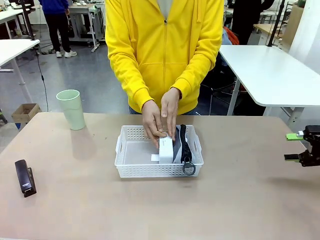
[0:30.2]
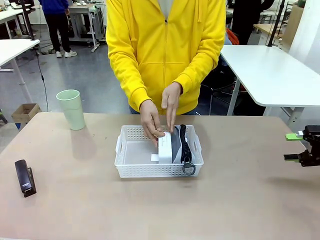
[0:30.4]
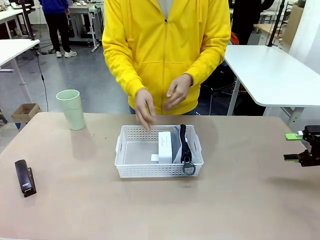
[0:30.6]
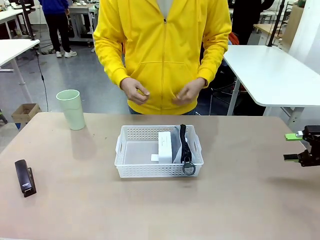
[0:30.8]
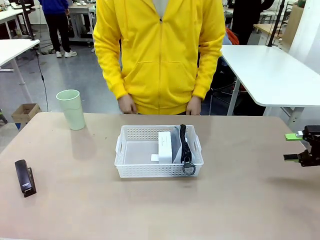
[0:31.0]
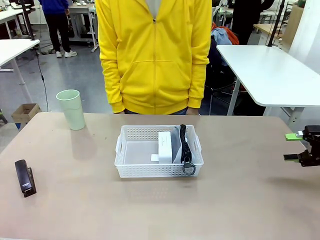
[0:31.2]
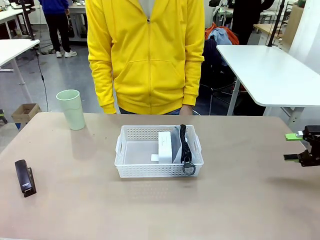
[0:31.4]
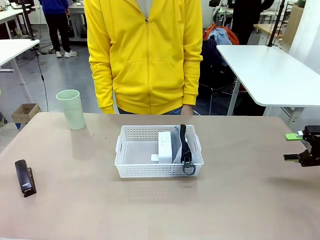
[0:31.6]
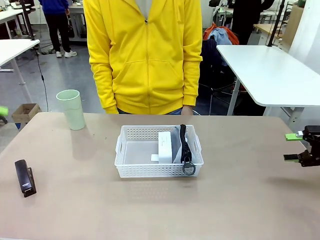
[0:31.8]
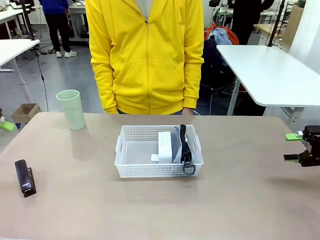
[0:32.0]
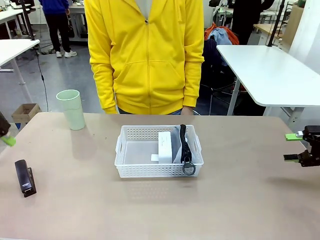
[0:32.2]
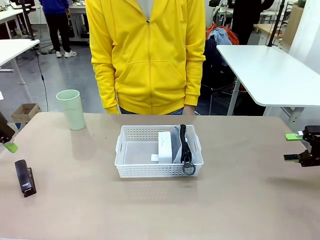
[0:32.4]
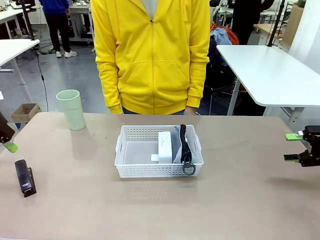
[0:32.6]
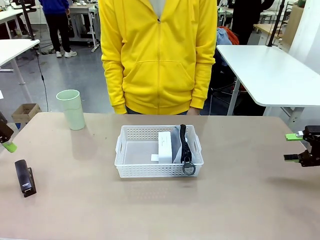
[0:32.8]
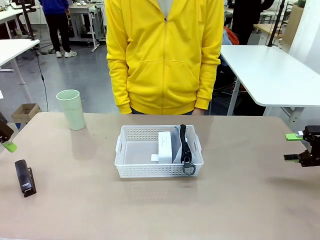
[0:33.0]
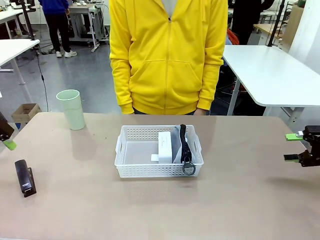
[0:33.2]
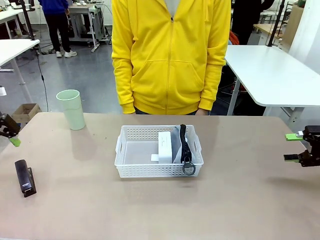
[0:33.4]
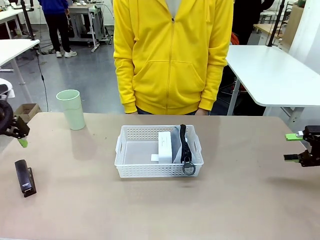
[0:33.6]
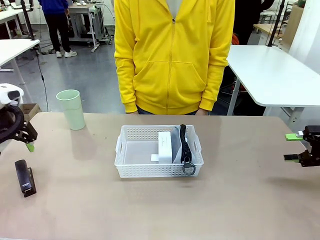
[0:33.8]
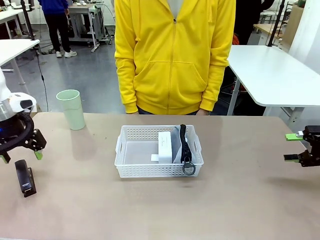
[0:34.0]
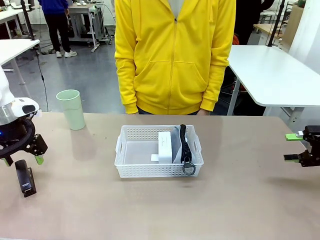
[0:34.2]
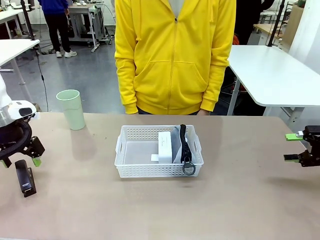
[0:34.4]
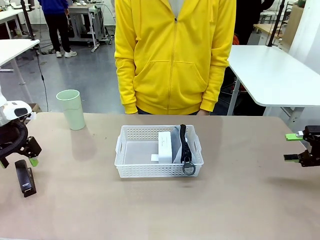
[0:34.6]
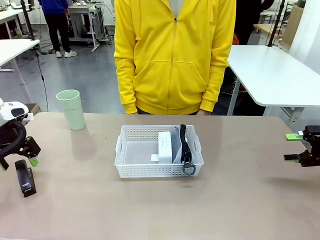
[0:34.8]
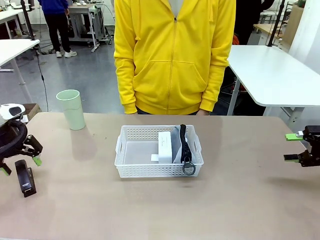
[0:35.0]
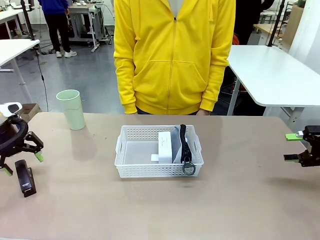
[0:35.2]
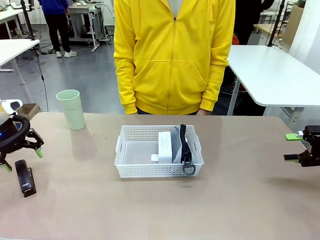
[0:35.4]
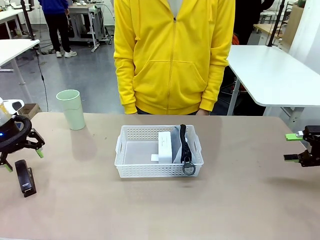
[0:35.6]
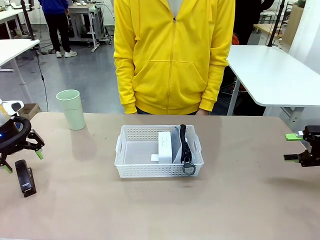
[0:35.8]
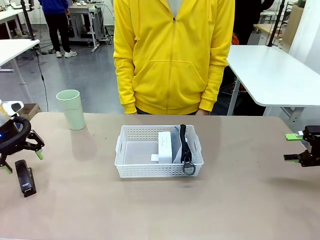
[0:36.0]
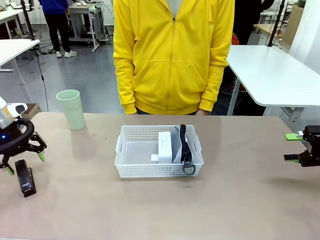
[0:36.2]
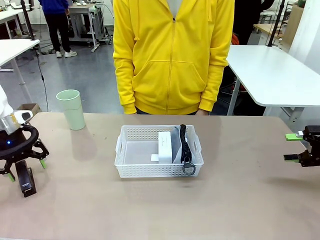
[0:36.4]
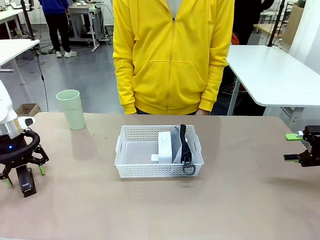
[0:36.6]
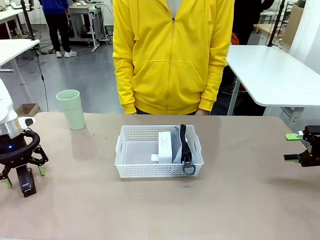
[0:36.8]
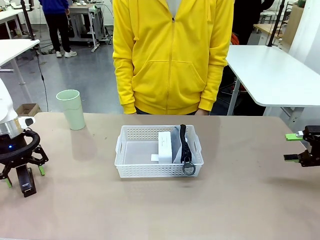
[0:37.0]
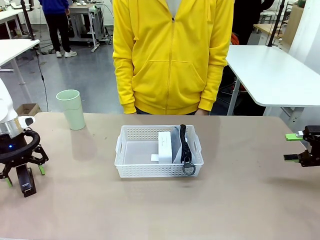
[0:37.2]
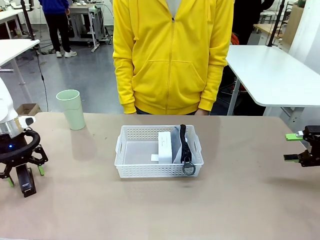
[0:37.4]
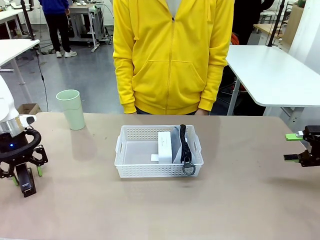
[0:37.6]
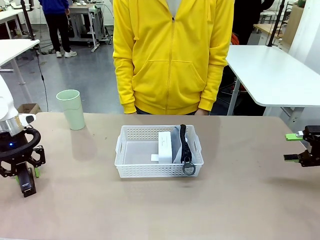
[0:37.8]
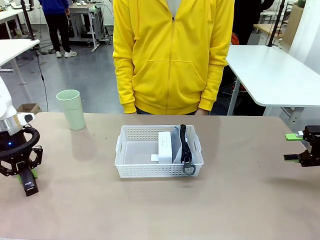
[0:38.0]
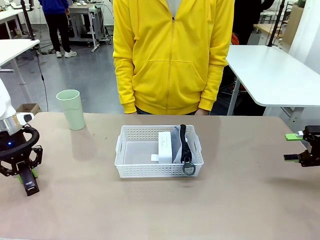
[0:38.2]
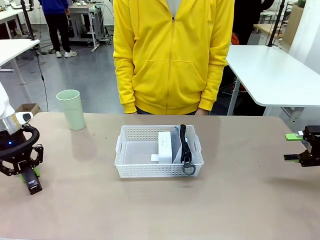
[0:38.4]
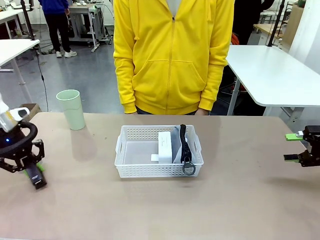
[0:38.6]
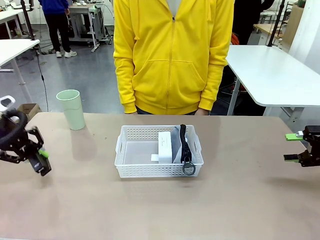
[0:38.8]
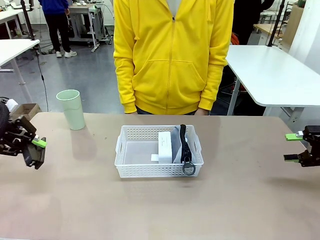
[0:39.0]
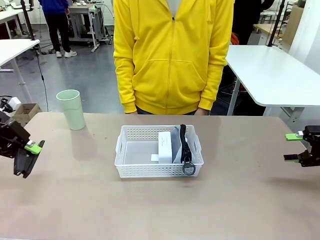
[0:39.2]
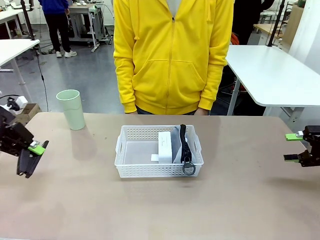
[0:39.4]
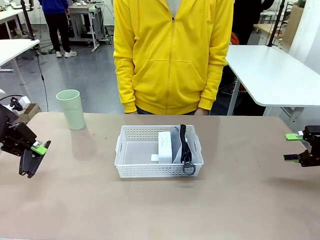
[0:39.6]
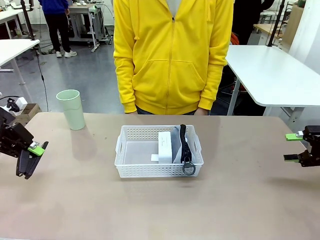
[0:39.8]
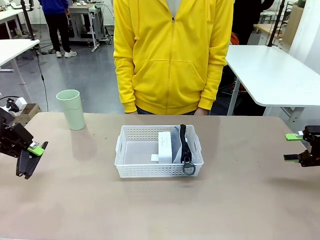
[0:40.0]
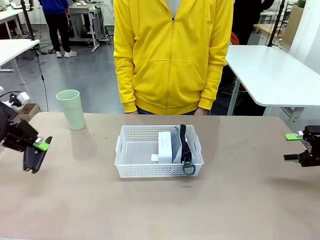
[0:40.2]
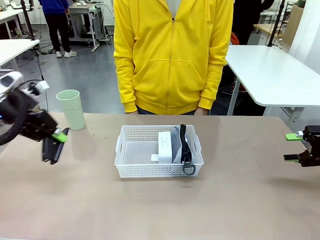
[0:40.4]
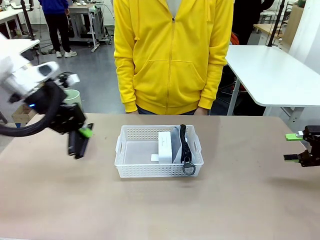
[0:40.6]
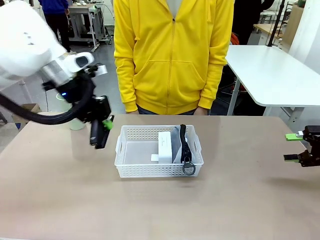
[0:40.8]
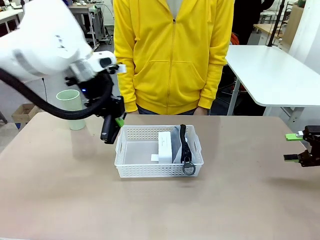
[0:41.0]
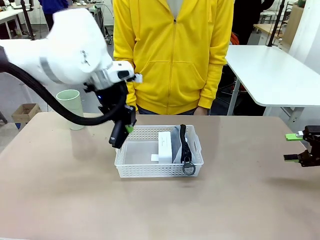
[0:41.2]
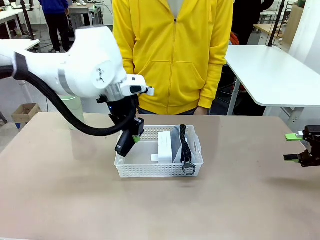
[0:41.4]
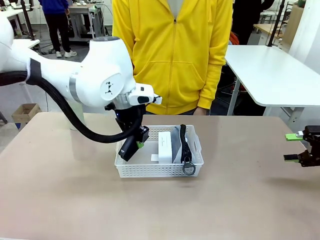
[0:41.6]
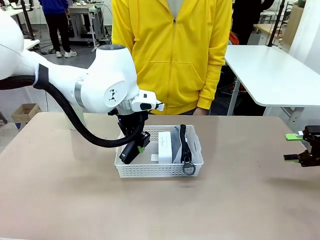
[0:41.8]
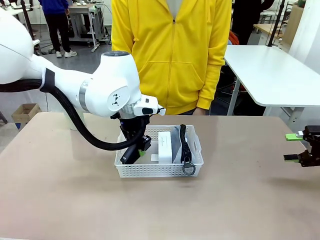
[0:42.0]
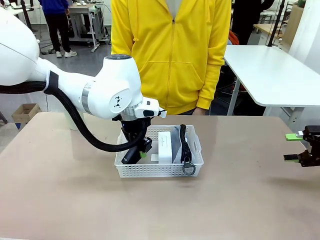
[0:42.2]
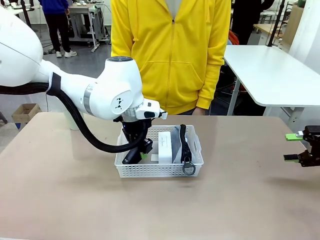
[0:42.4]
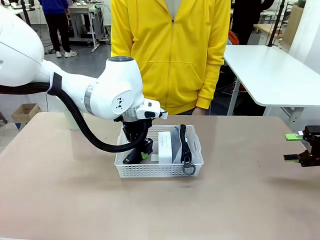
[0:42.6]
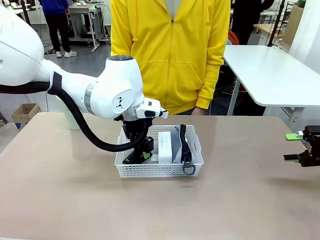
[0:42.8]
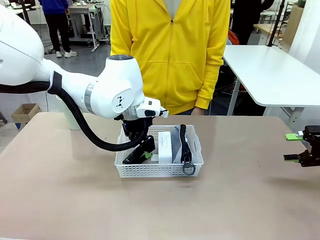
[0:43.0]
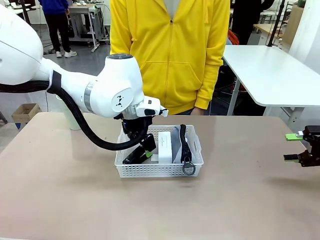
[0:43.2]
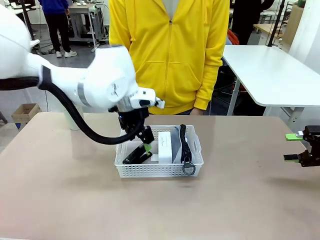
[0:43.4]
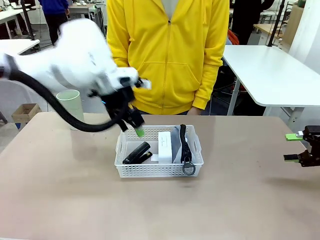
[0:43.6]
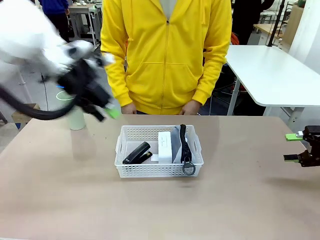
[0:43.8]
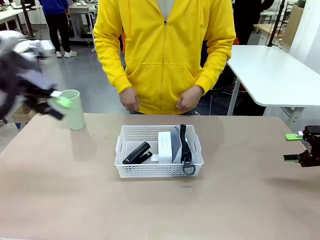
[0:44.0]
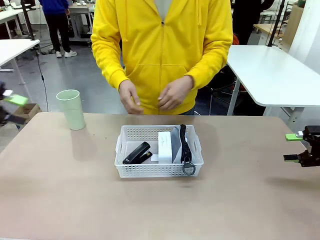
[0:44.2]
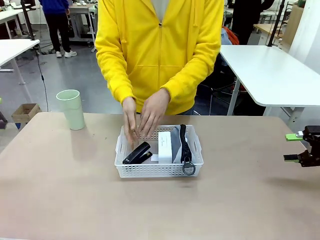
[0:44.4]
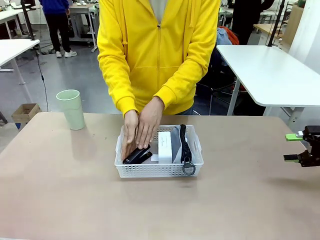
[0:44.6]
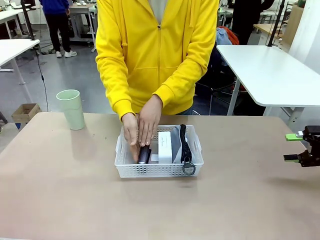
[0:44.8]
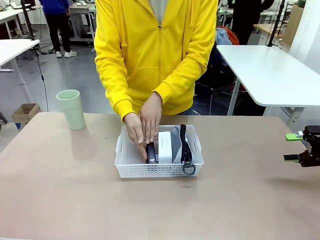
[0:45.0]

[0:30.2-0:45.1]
Task: Efficiently arrange items inside the basket to fit them all.
Robot: Pick up the Stapler and place it inside the Organizing basket.

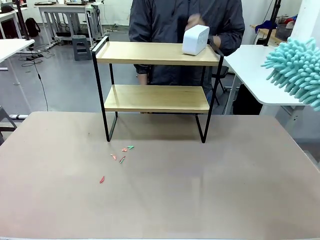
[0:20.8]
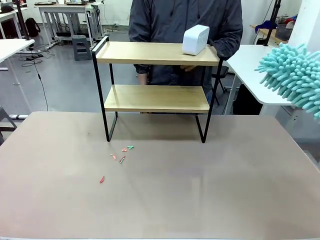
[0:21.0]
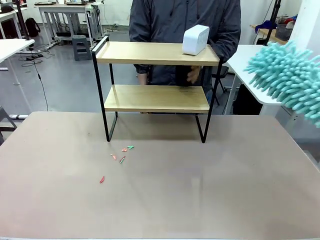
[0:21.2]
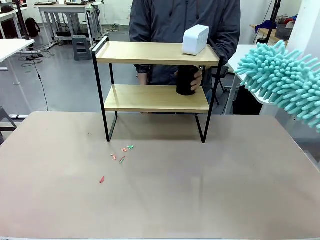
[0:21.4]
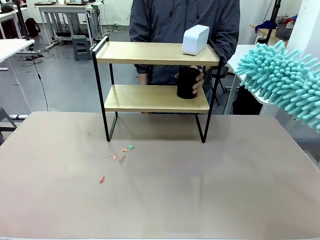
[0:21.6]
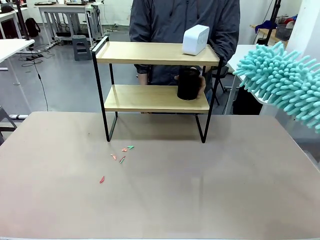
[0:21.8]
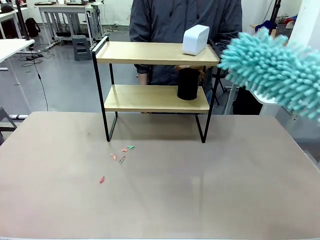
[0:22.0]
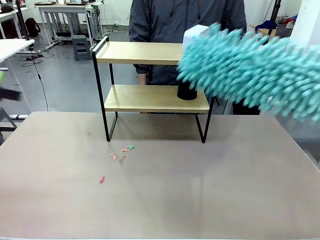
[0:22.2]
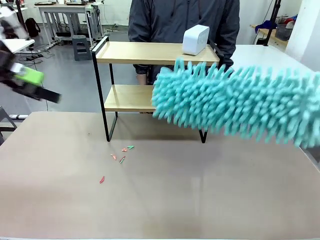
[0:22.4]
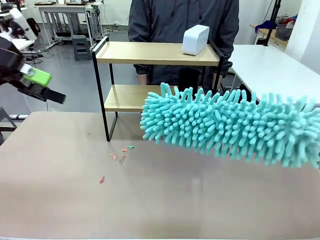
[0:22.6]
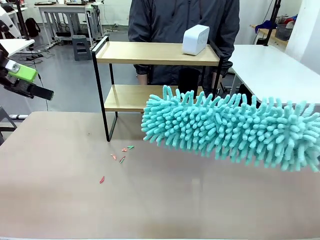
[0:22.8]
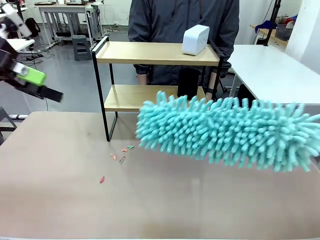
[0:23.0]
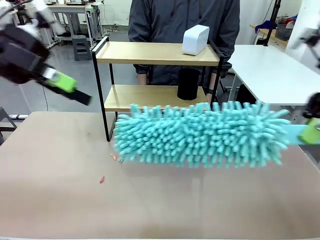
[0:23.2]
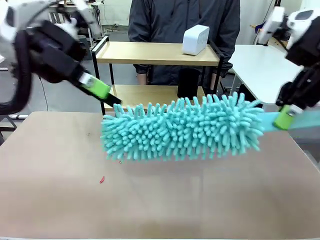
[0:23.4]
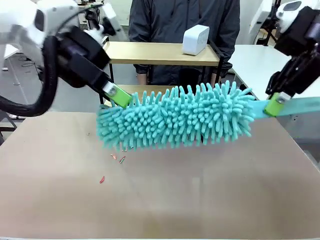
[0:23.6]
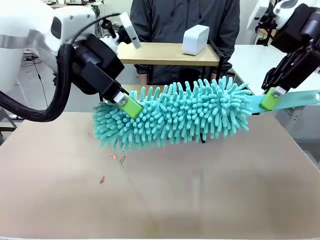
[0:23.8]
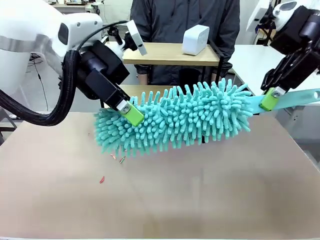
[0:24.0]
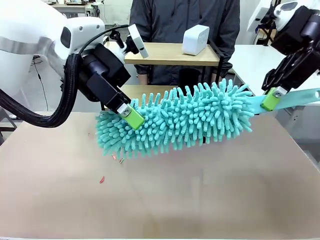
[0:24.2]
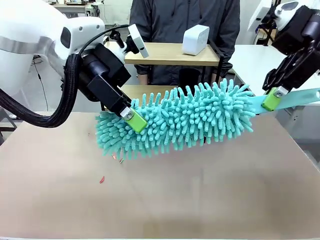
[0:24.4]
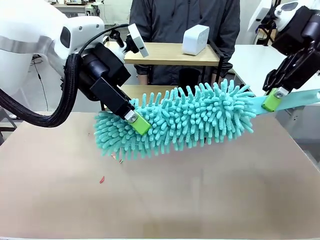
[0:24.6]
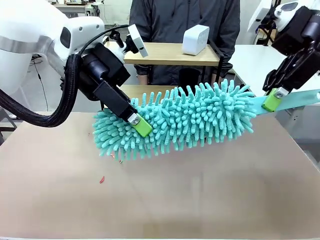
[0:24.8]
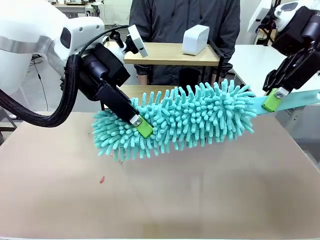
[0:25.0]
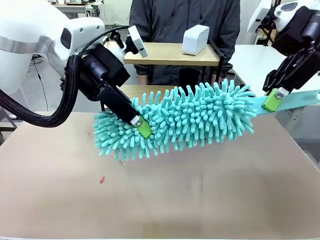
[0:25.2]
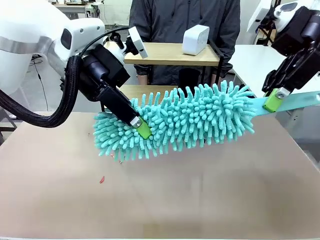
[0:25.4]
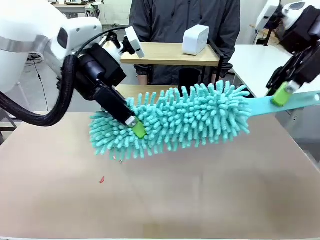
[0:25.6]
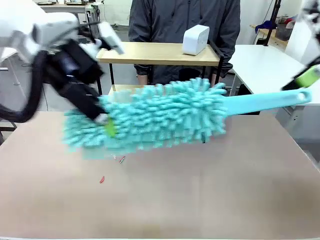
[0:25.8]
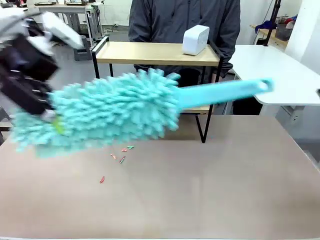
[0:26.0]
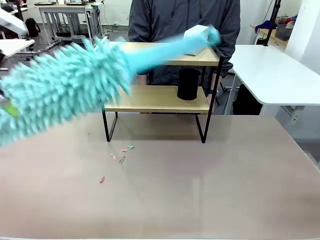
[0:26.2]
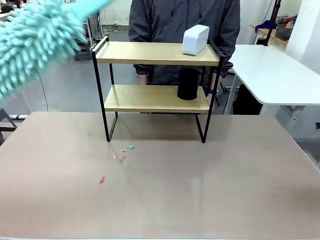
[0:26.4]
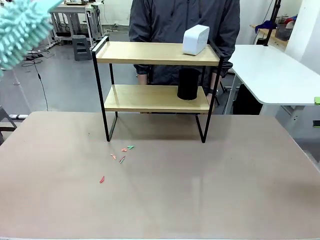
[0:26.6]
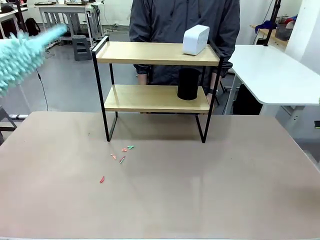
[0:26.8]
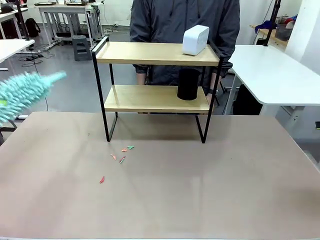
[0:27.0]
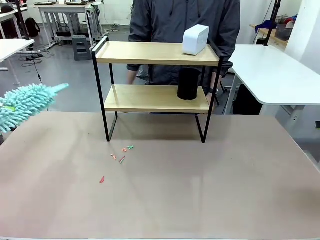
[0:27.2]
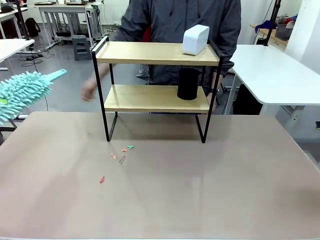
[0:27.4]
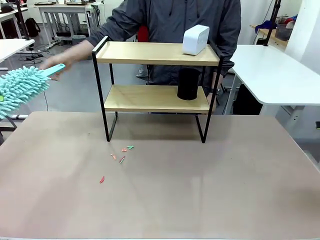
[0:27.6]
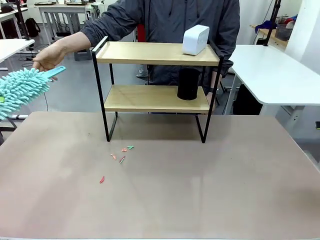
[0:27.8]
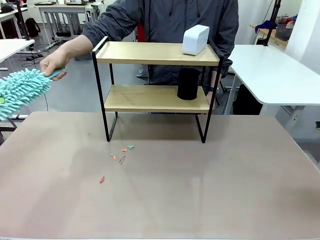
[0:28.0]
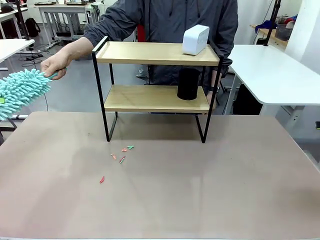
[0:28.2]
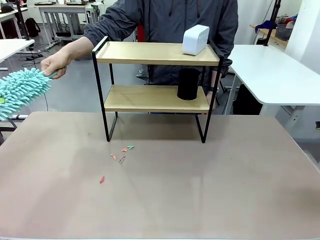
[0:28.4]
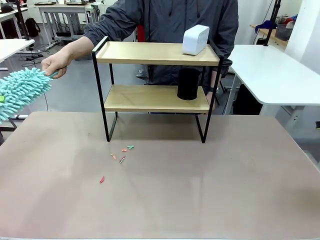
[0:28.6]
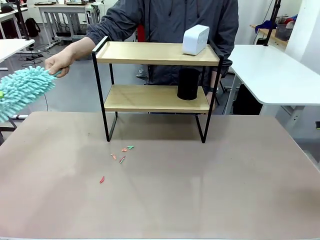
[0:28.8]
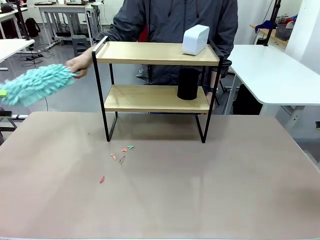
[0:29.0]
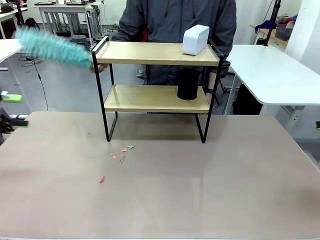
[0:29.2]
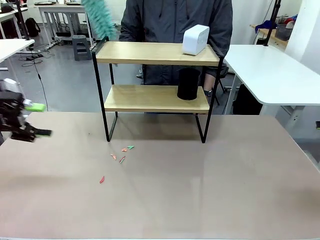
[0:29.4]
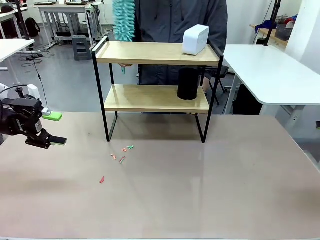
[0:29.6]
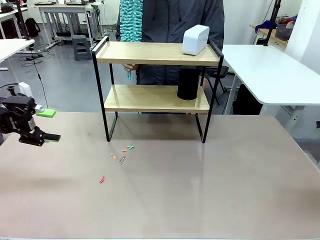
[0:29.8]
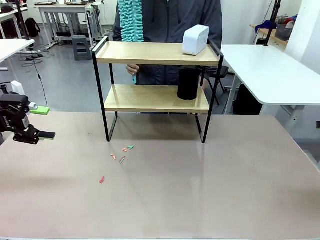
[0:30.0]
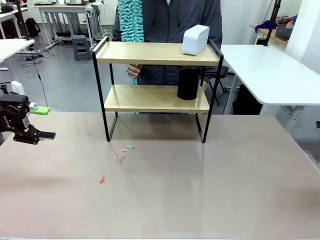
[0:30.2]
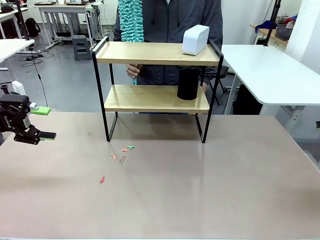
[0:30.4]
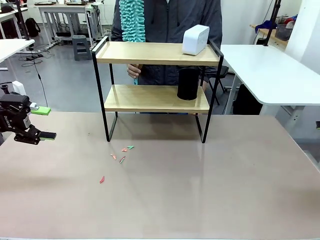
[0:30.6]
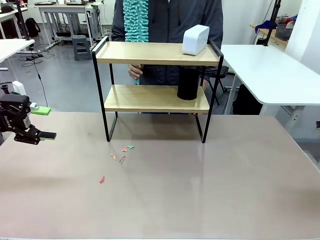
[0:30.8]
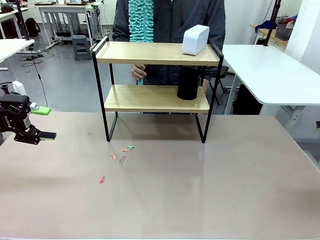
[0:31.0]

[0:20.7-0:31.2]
Task: Clean the shelf.
Robot: Hand the Duster back to the human.
Person: Receive the Duster from the robot.
